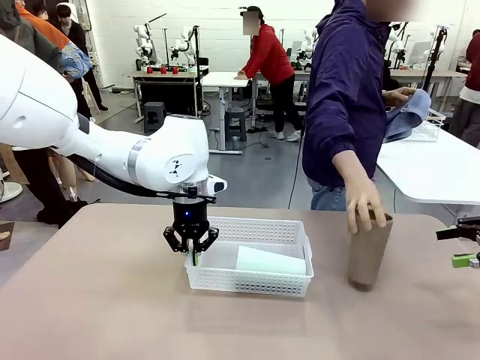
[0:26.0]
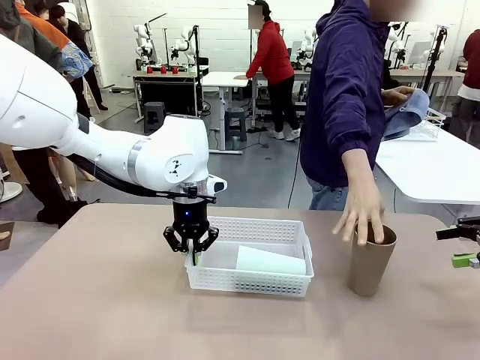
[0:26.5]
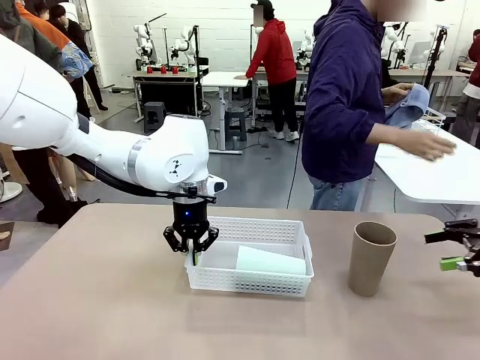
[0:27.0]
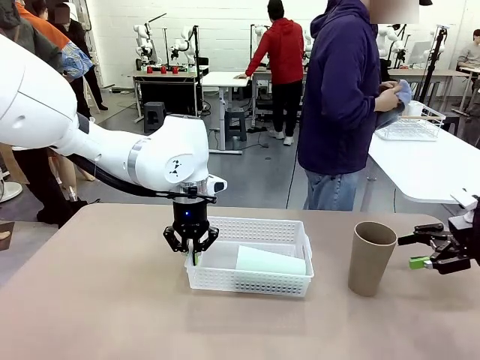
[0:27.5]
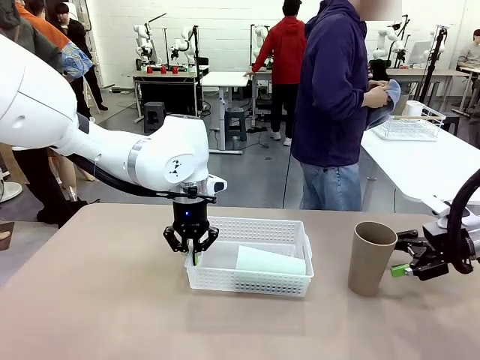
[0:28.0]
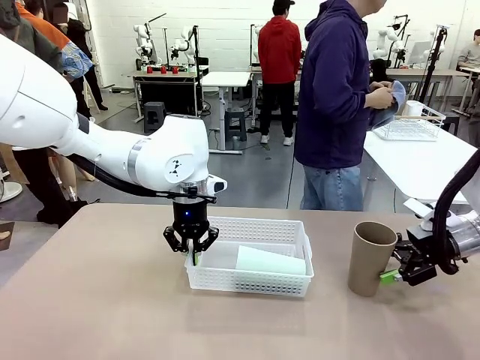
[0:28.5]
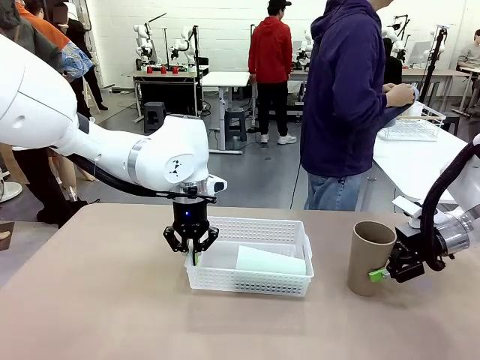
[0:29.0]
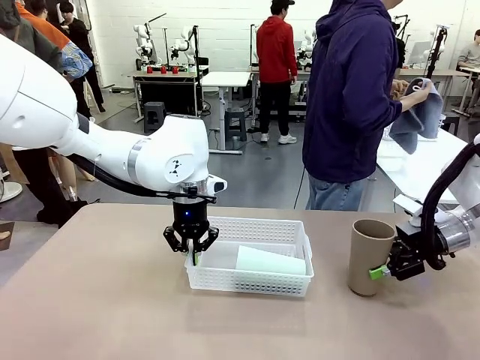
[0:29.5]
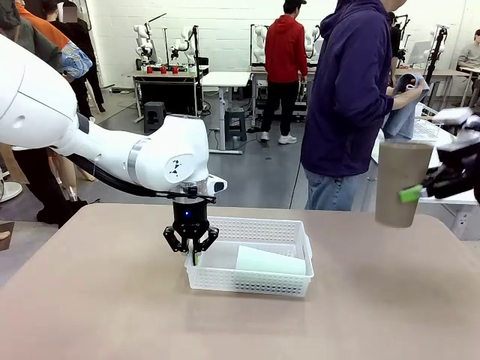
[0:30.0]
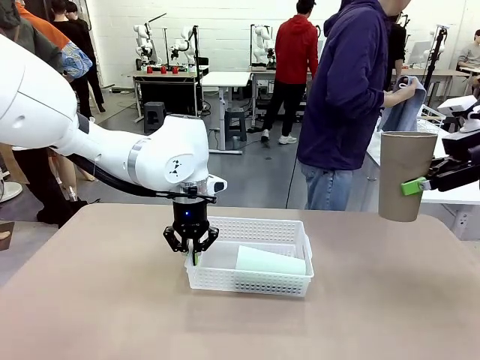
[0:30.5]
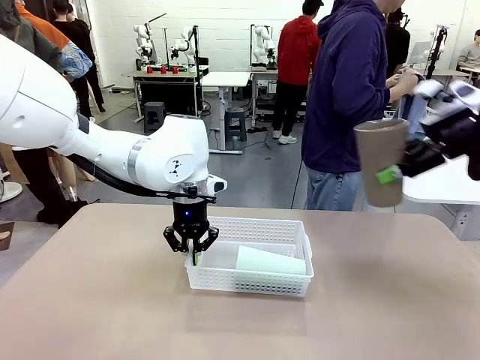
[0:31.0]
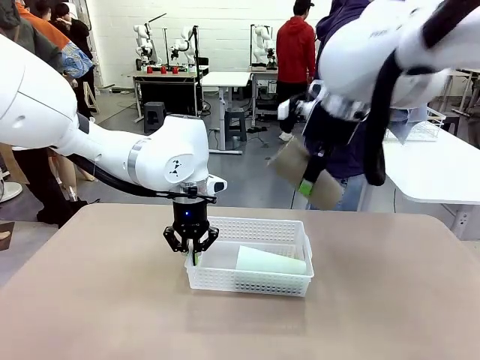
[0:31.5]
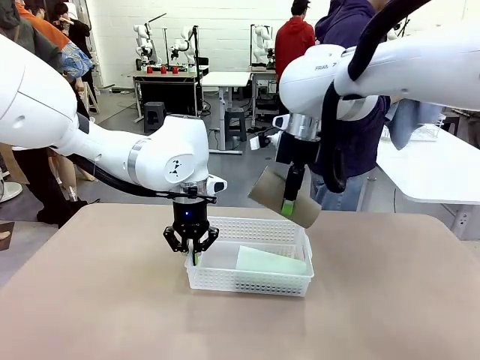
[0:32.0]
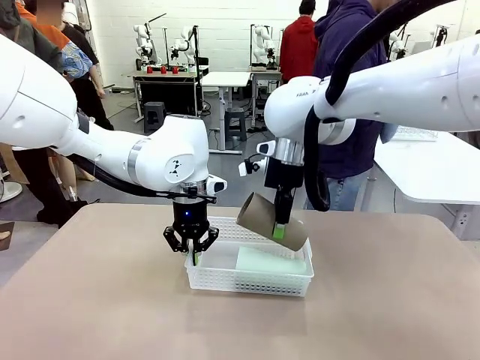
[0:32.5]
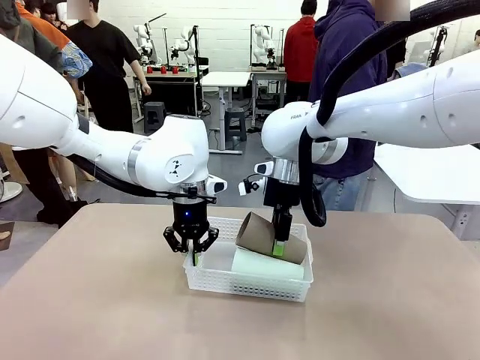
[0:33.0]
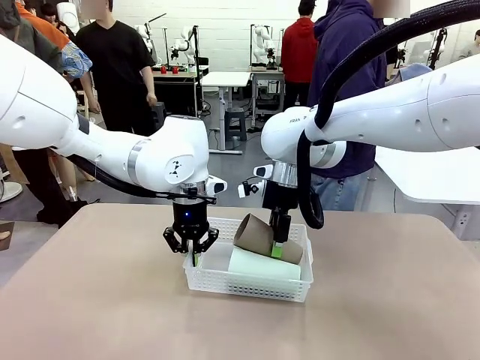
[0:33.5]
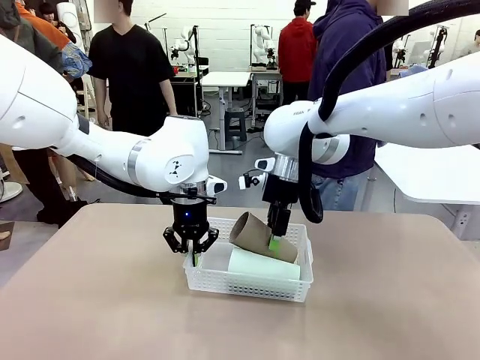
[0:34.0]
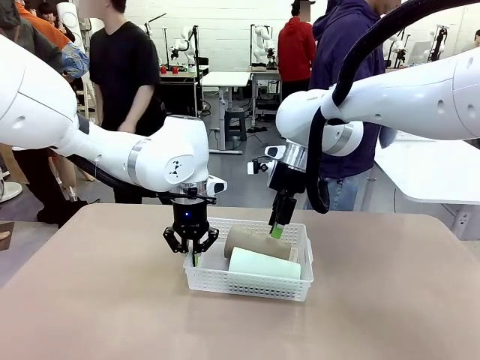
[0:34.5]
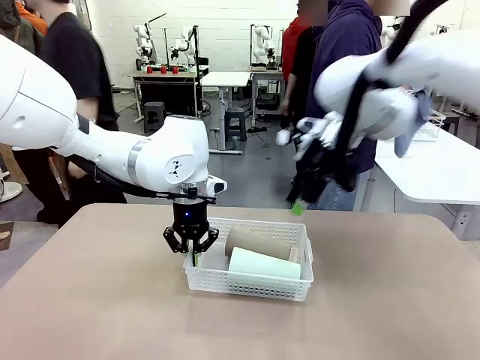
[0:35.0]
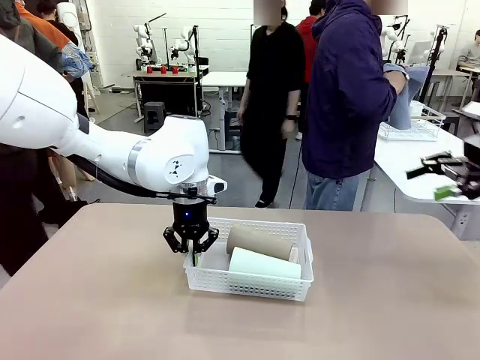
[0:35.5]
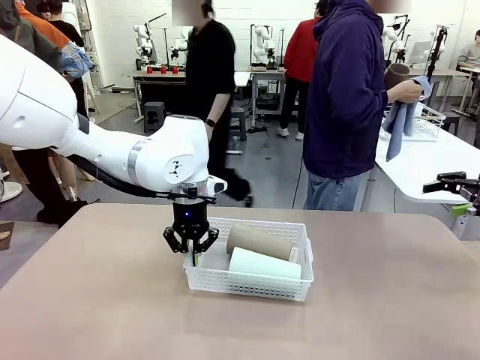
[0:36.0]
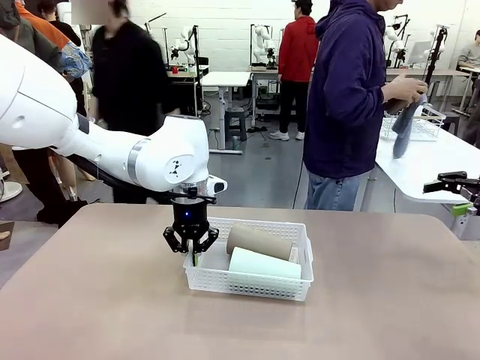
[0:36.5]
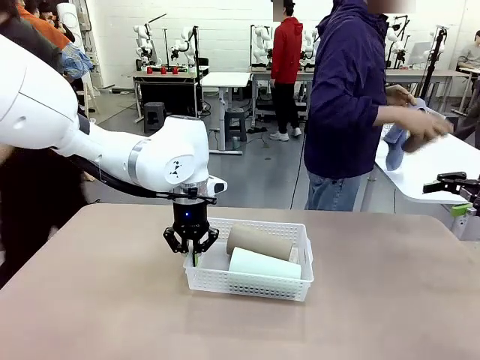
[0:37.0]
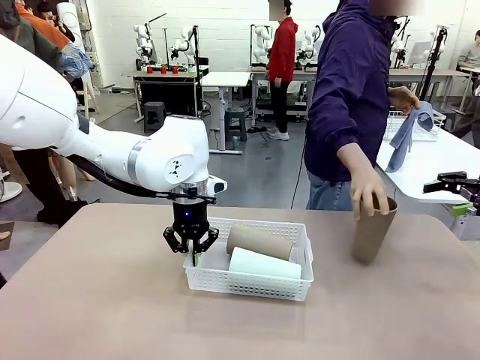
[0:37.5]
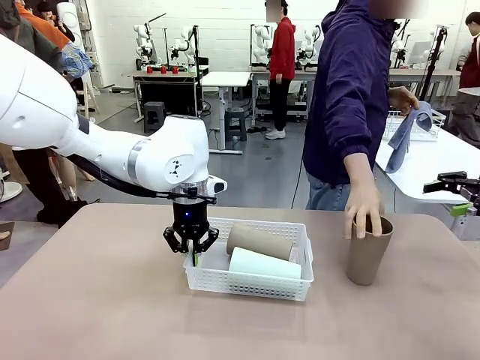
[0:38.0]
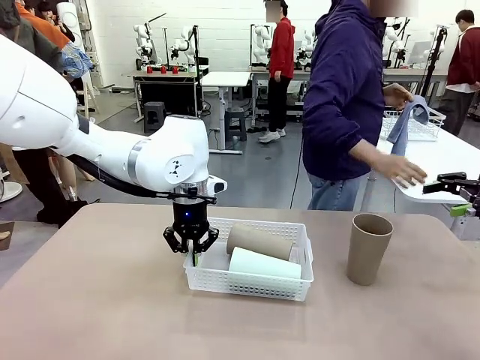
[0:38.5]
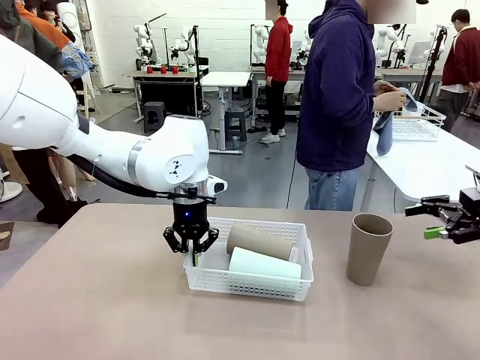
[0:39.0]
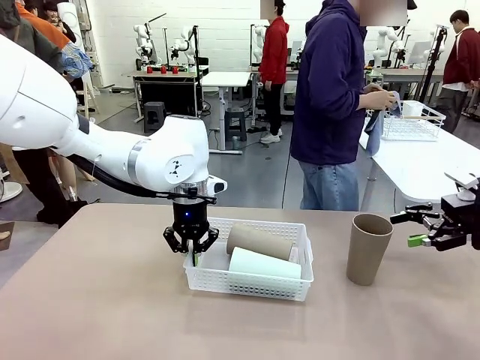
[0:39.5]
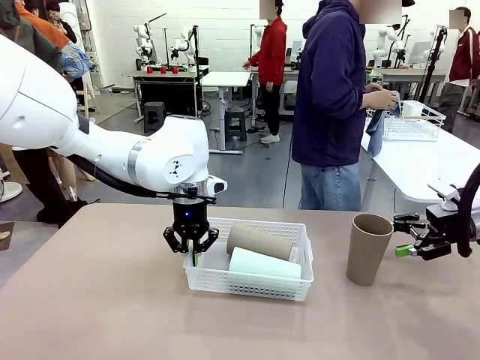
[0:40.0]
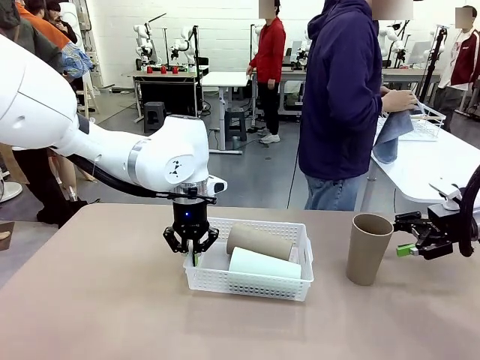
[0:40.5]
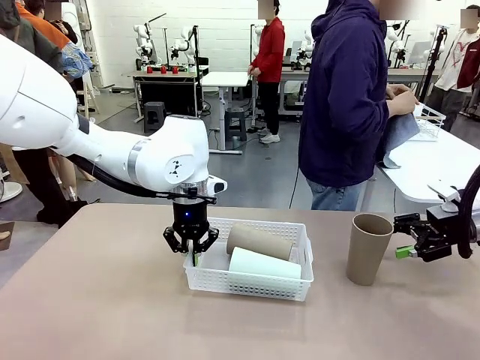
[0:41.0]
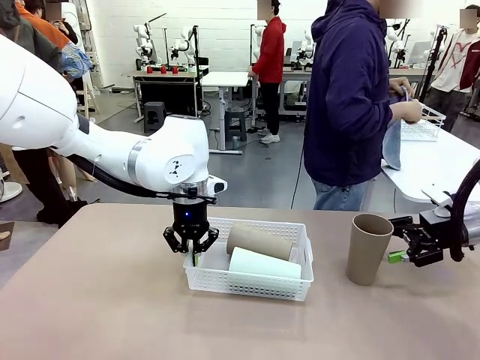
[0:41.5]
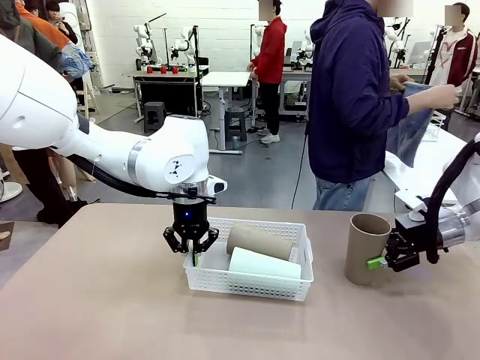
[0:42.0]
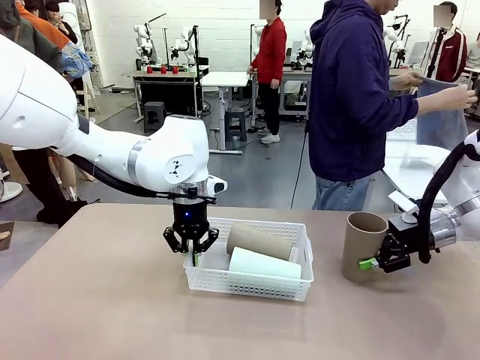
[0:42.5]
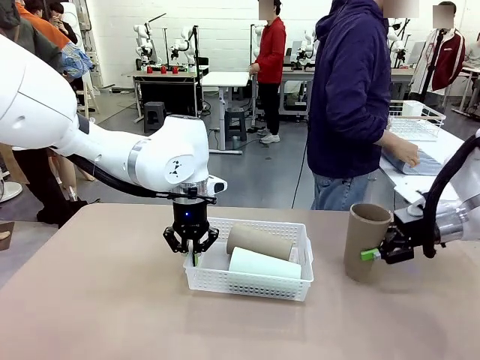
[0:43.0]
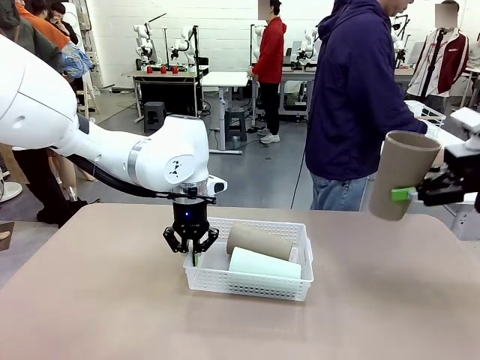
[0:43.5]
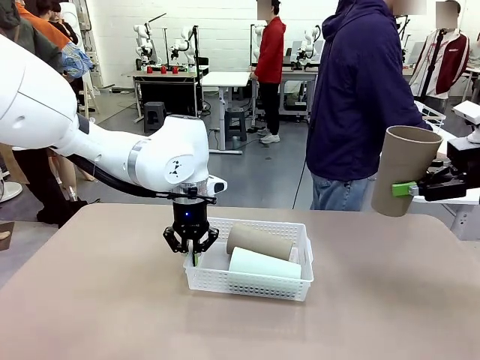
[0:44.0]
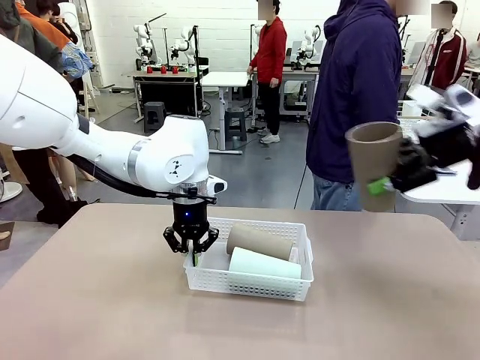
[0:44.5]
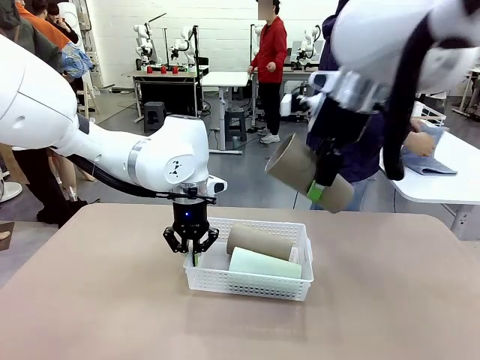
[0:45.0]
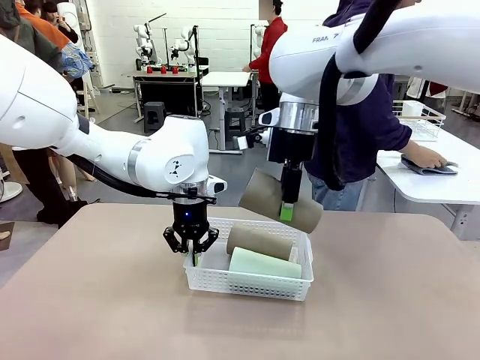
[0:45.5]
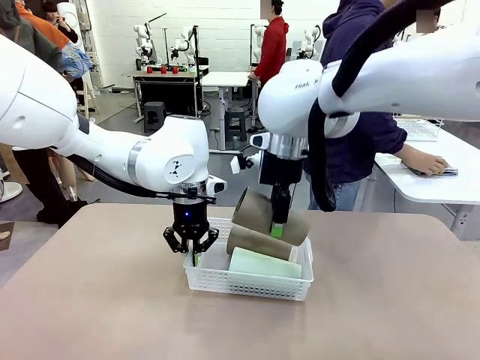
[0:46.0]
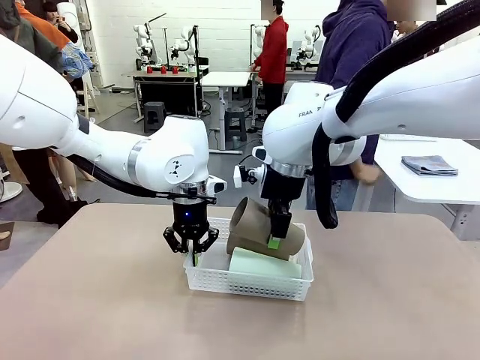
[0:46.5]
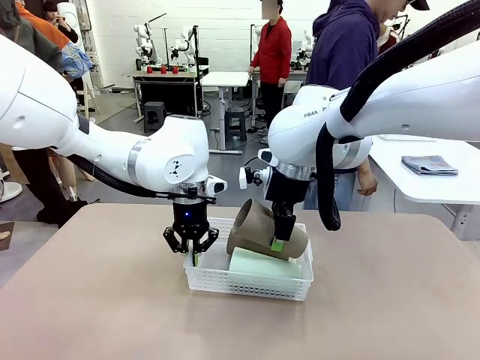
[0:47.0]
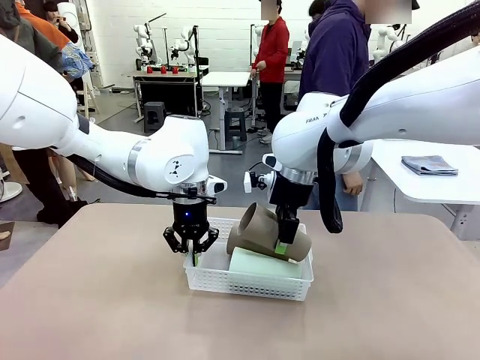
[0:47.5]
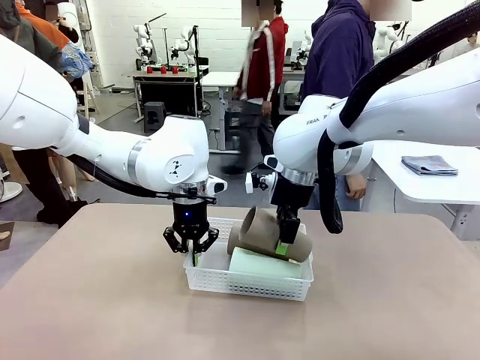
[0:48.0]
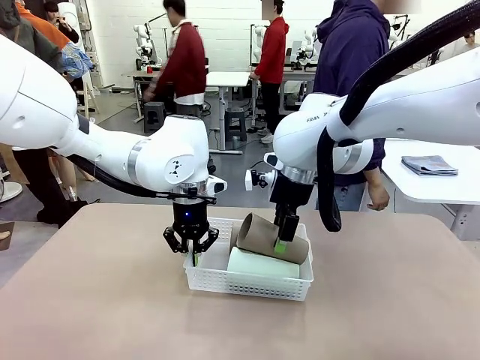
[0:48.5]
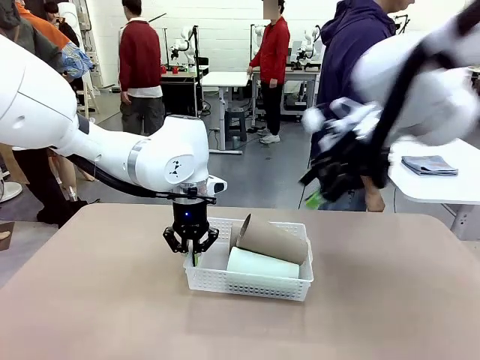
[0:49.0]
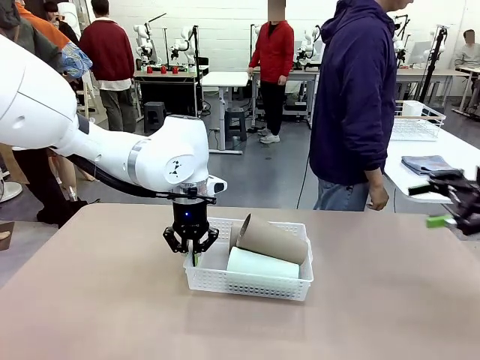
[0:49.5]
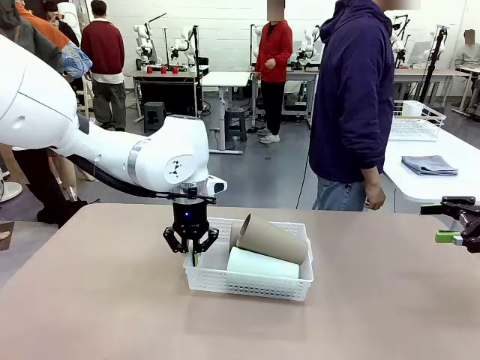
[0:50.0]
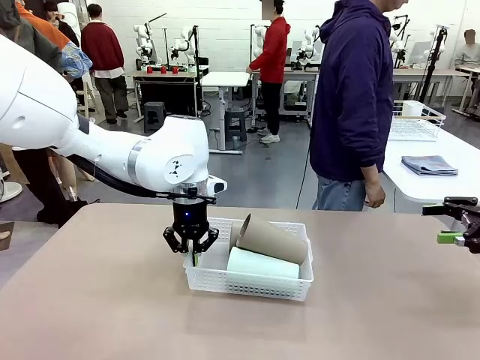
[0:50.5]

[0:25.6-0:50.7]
Task: Clean and organize the cups into the basket.
Robot: Pick up the Reusable plastic cup from the right side of the table and stack it inside the Organizing basket in the center of the table.
